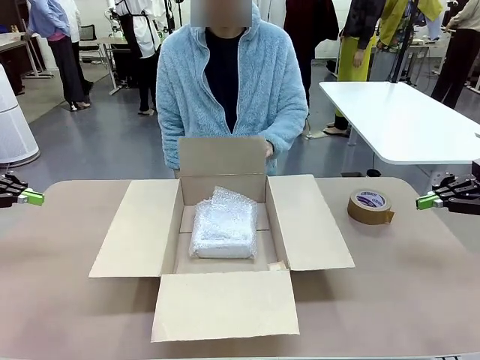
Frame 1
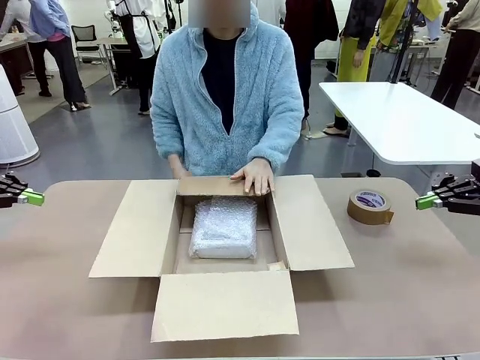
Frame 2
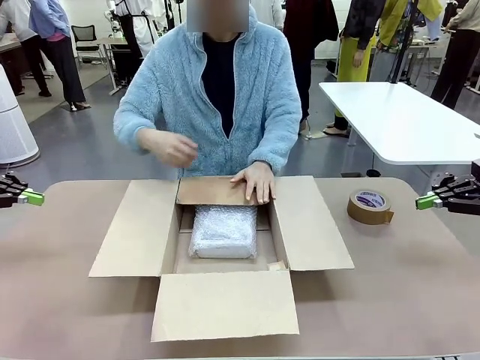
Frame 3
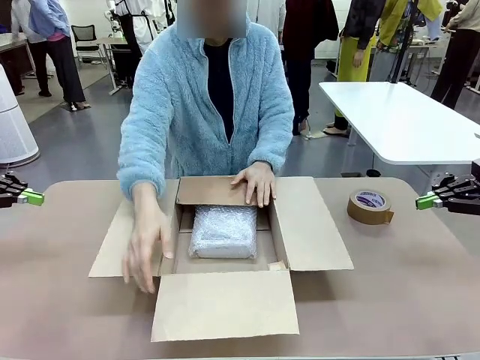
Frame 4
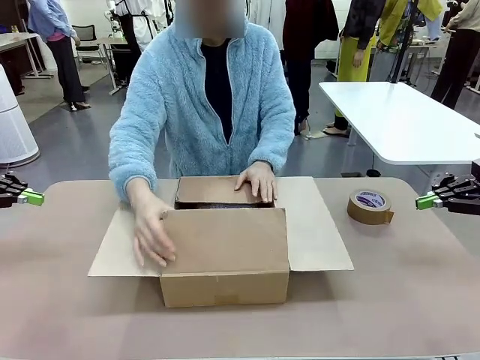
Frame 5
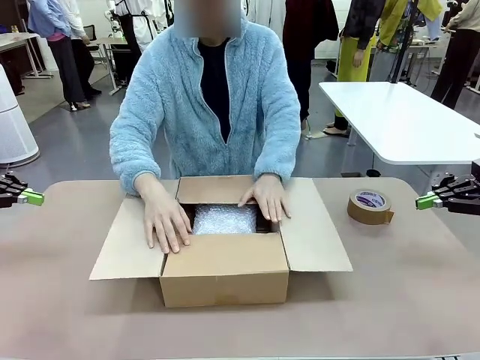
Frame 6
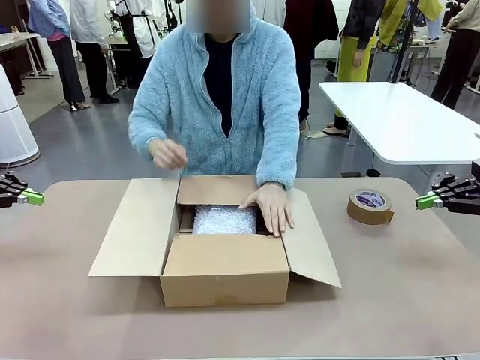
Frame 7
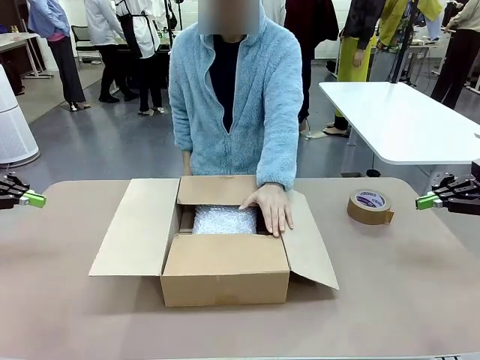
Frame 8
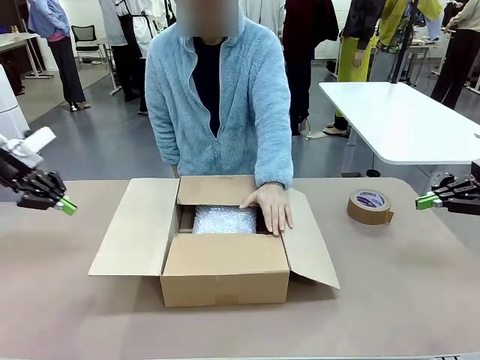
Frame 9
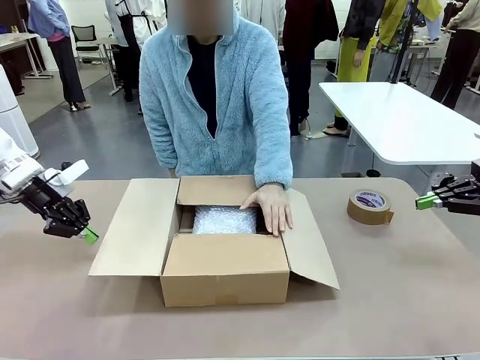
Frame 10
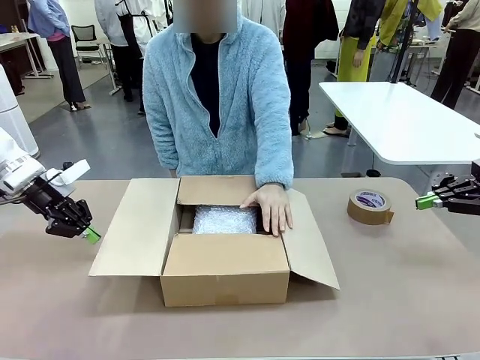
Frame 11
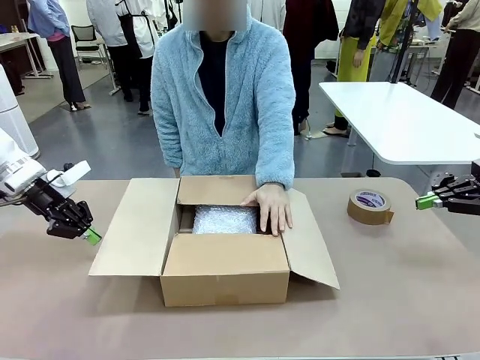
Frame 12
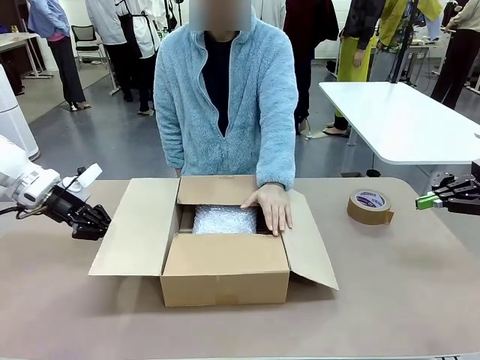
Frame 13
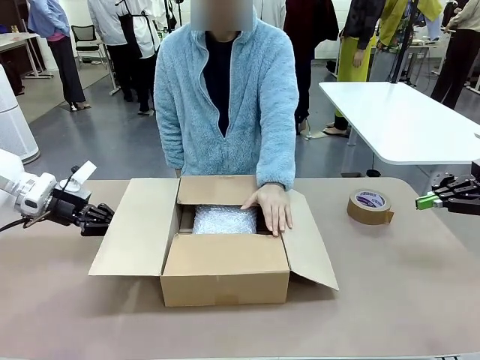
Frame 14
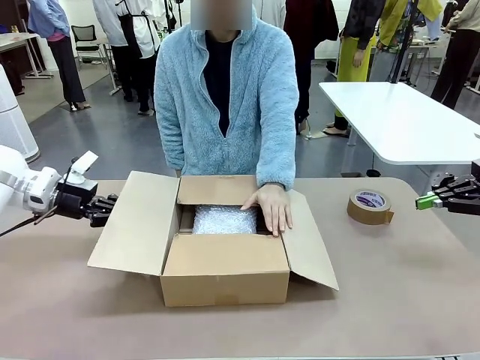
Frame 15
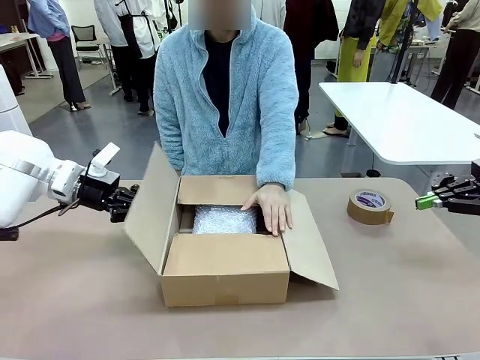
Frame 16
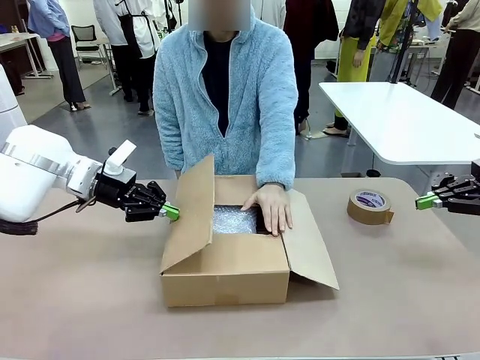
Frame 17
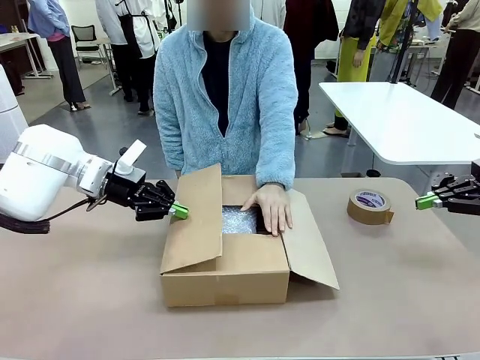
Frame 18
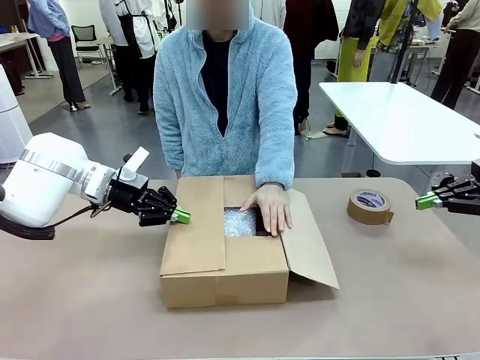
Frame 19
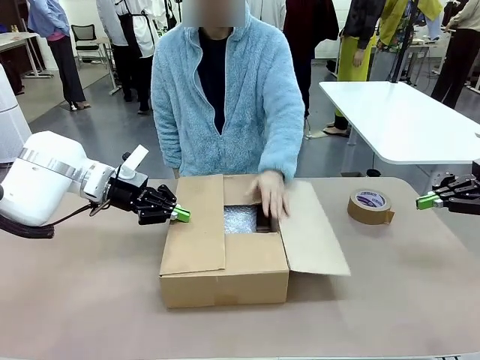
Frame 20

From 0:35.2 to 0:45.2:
Task: Wrap the clocks to prevent damage.
Robot: Push the right (or left) flap of the Package Box to close it.
Person: Once the robot closes the right flap of the Package Box , release your left hand from the box.

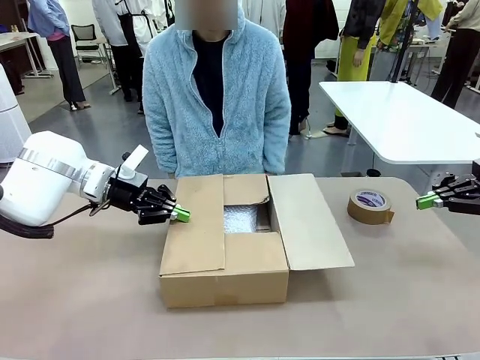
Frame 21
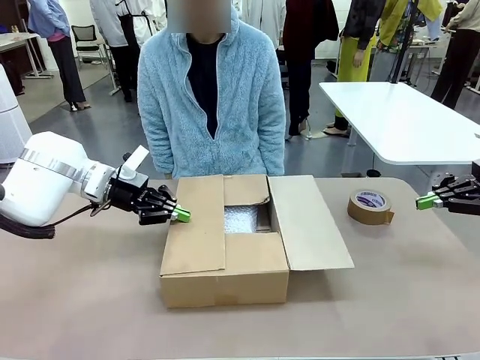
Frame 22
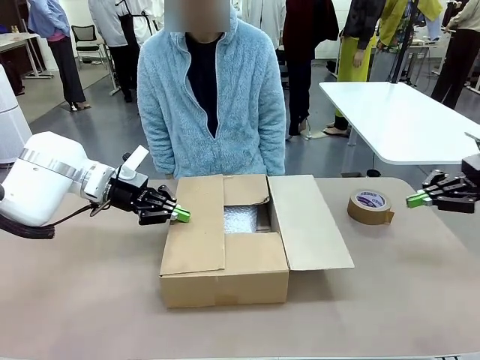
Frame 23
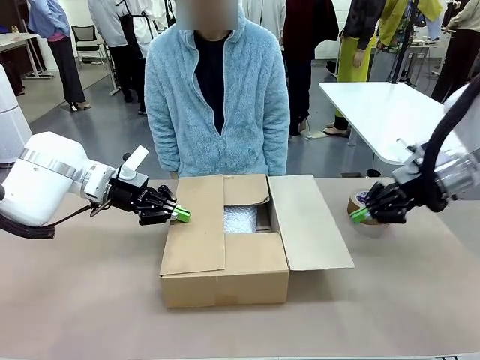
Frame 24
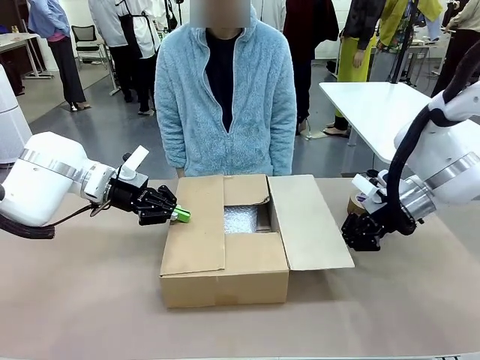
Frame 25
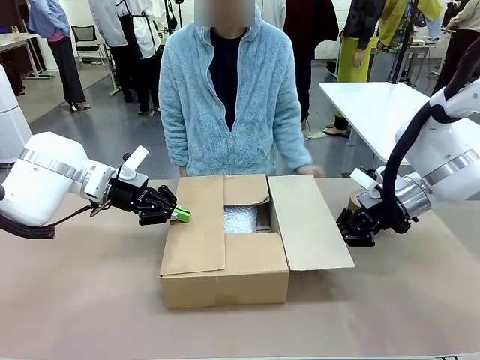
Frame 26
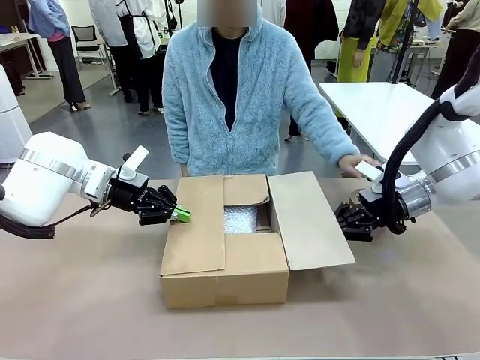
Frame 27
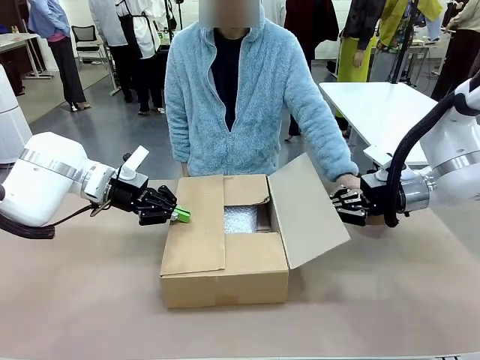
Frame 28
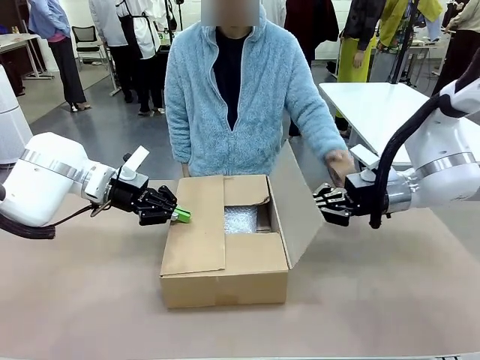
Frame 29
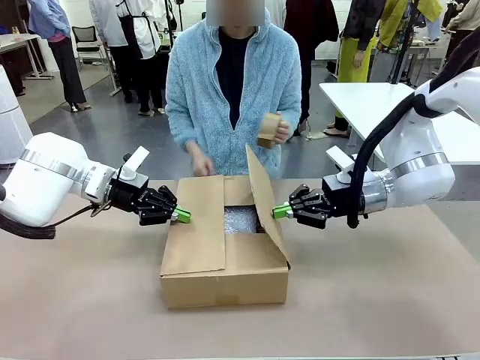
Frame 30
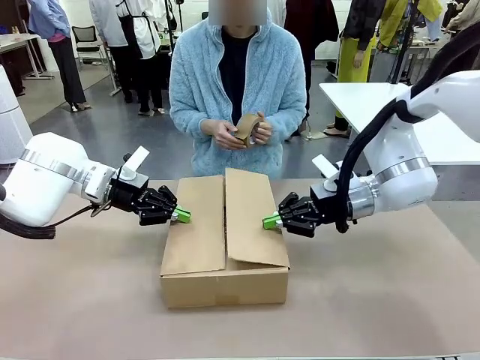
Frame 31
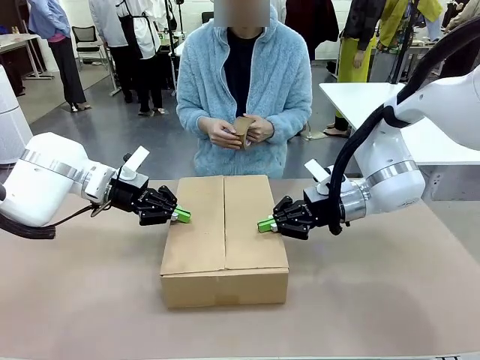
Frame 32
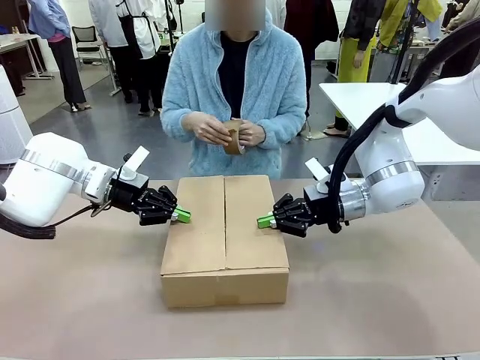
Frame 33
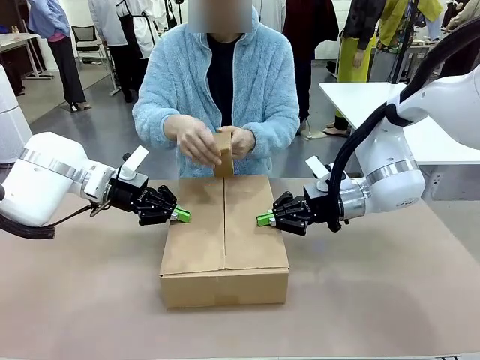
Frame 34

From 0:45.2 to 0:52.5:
Robot: Push the left (or right) flap of the Package Box to close it.

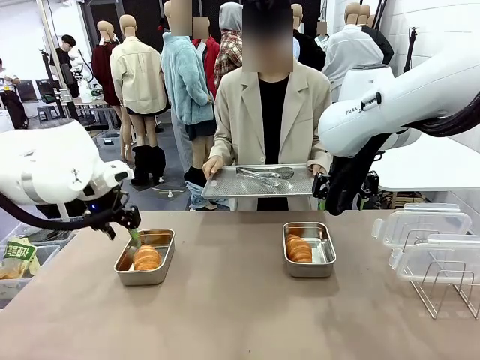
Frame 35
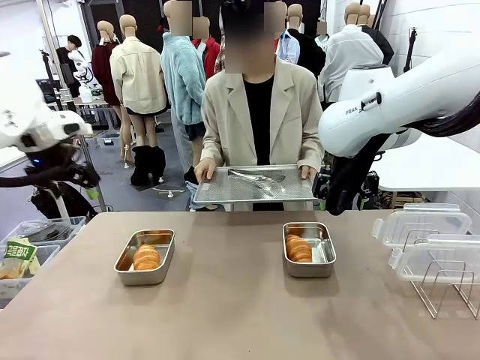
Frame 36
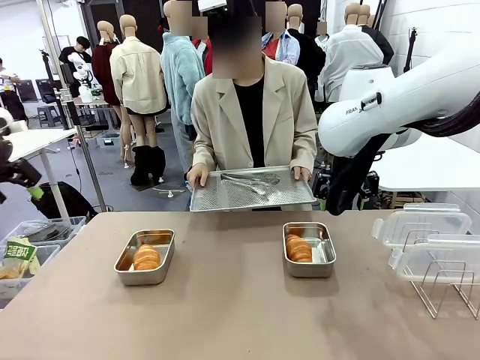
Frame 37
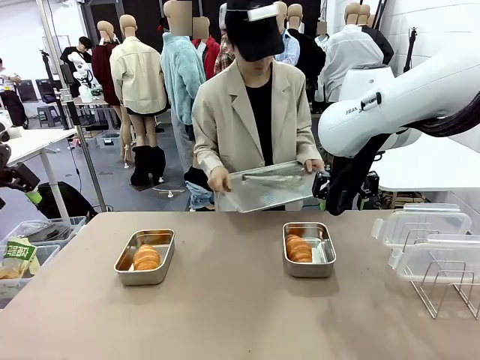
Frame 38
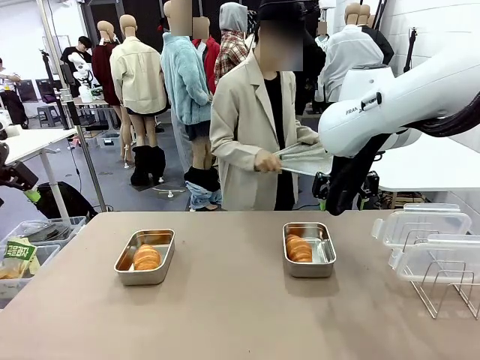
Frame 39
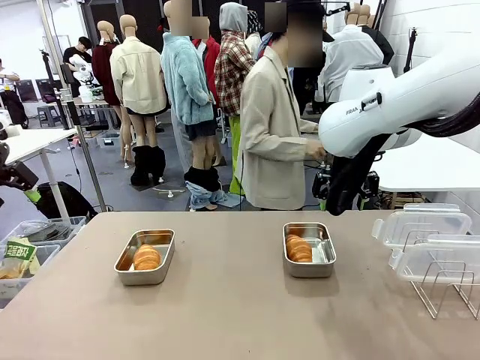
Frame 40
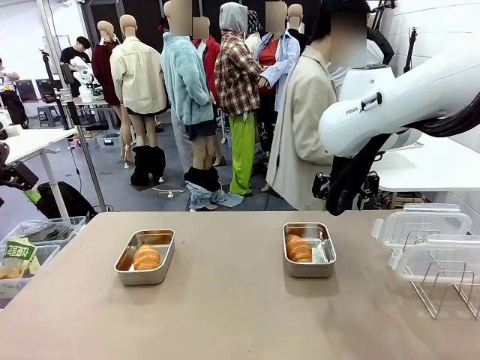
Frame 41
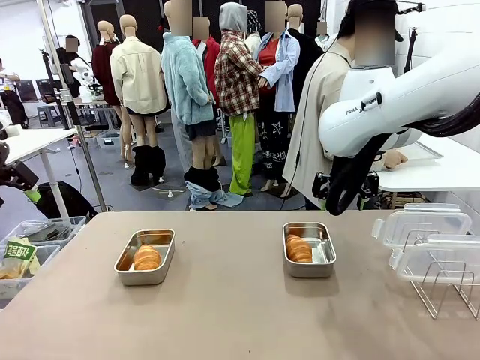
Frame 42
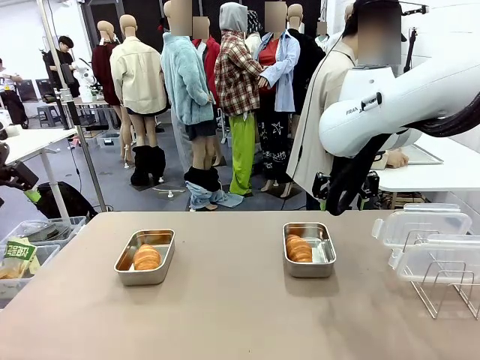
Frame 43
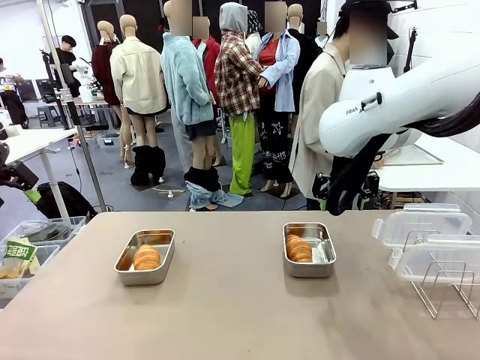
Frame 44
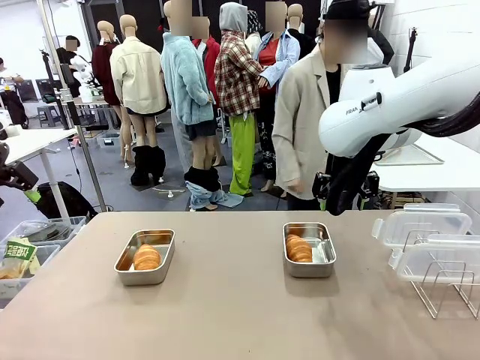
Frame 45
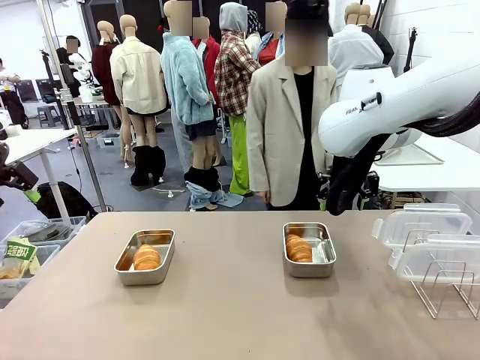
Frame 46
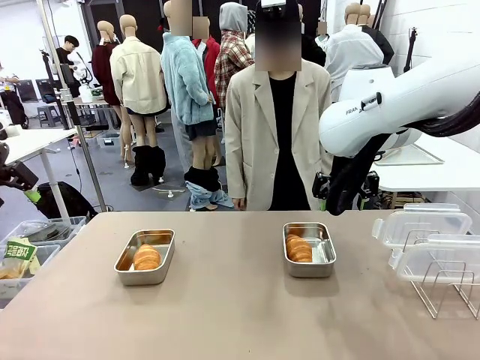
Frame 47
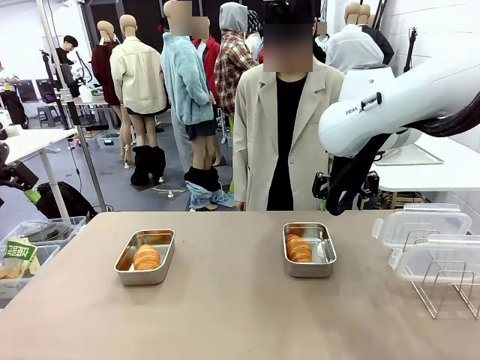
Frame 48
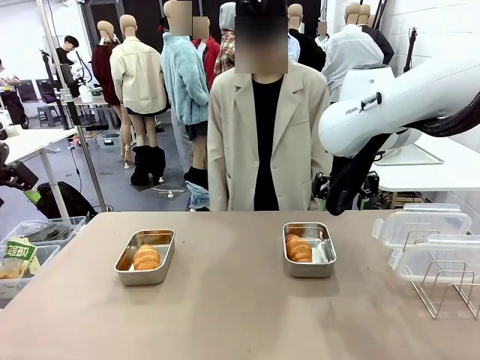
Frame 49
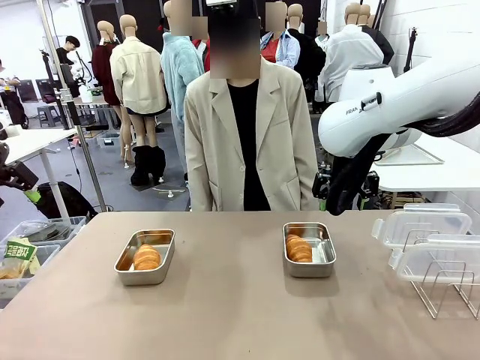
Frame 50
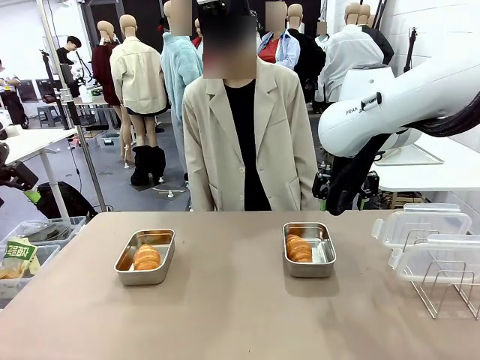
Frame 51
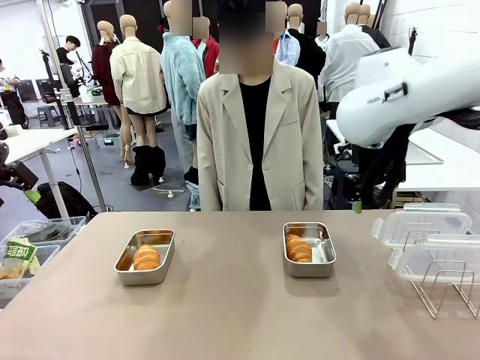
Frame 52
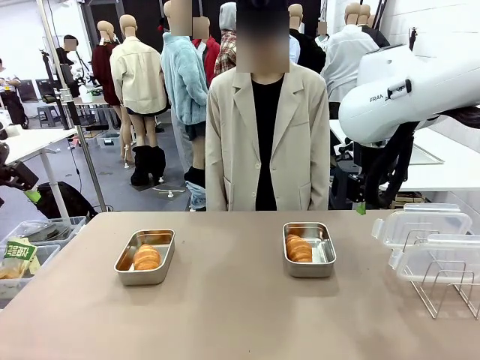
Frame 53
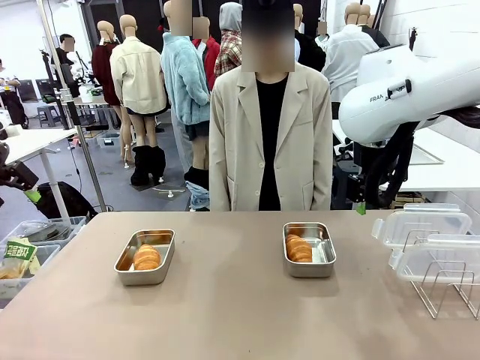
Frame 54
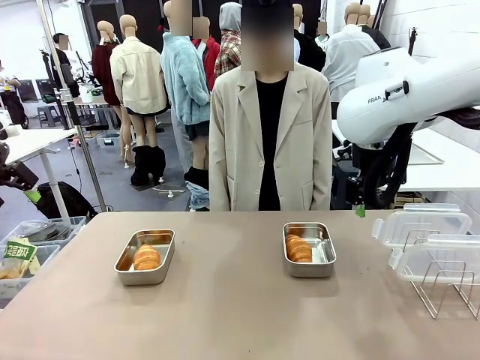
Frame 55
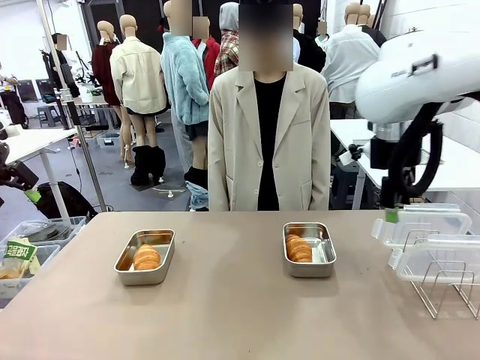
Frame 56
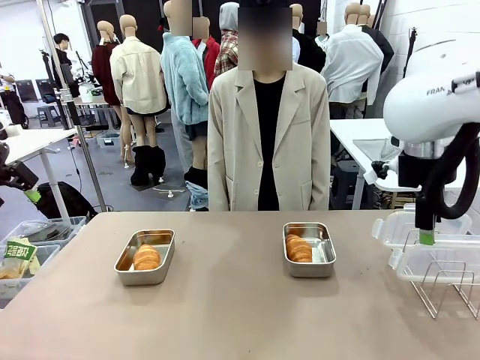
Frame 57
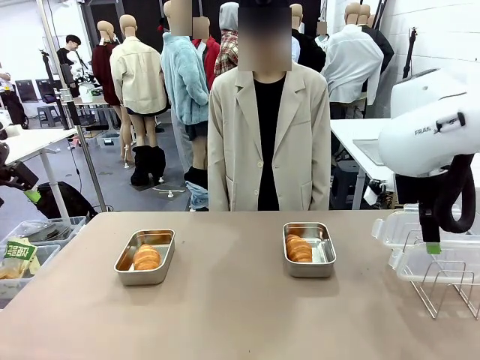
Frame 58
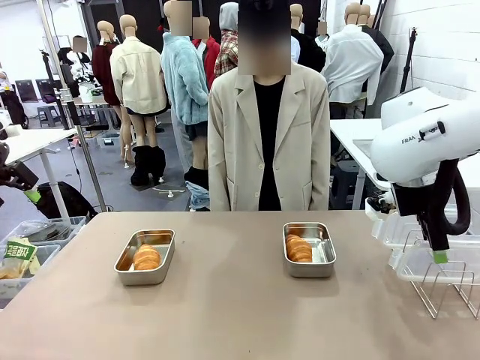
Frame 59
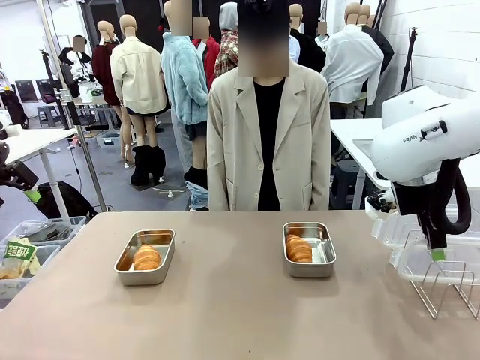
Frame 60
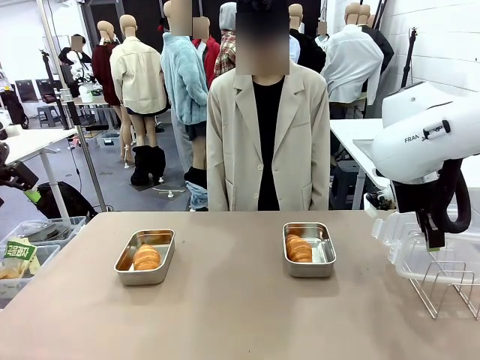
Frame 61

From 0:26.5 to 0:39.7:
Task: Place the bread in airtight containers.
Robot: Pick up one Airtight Container lid and hand it to the human.
Person: Place Baking Sheet on the Human's Table. Grip Airtight Container lid that robot is handing.
